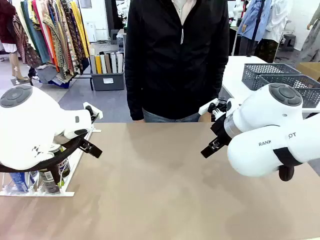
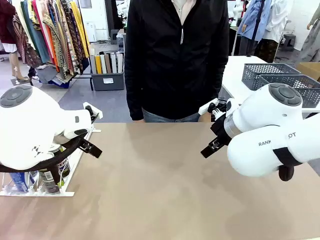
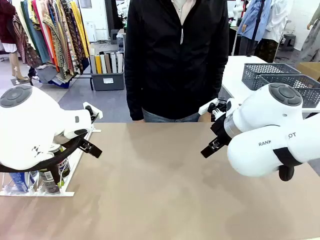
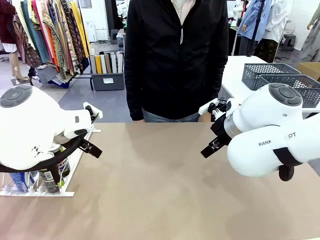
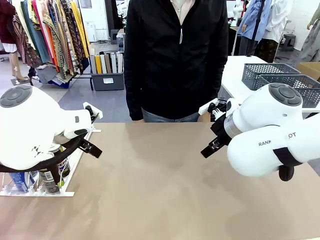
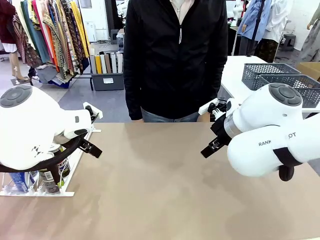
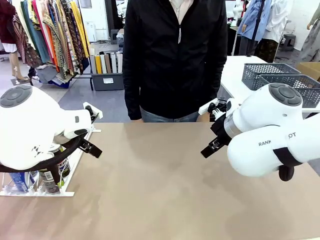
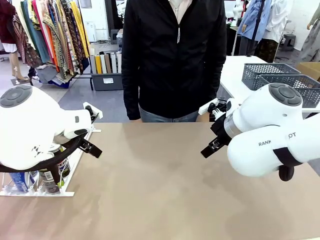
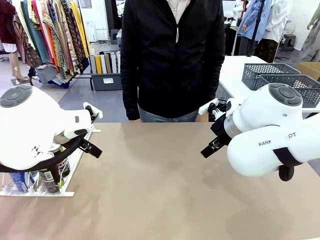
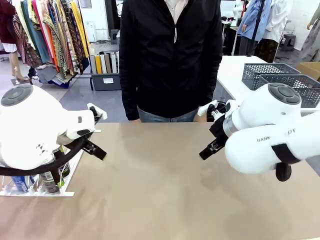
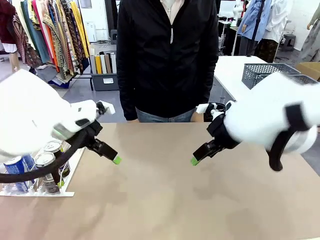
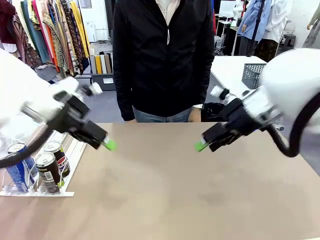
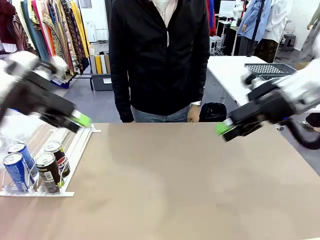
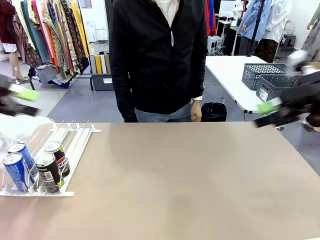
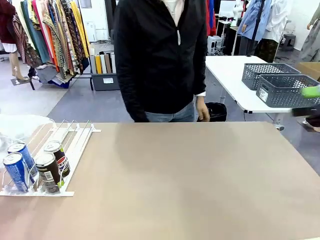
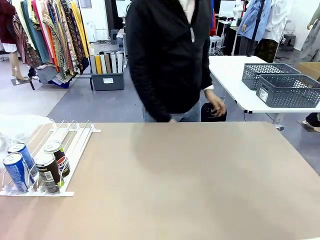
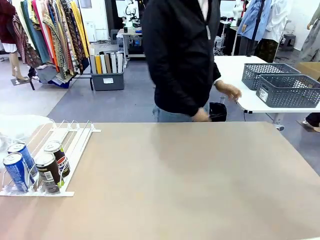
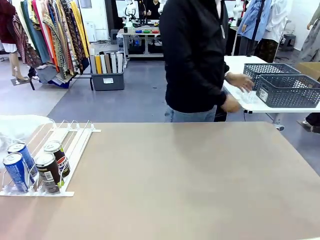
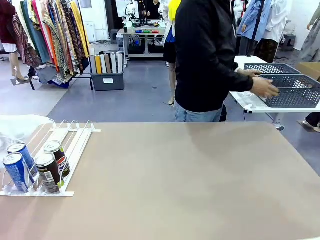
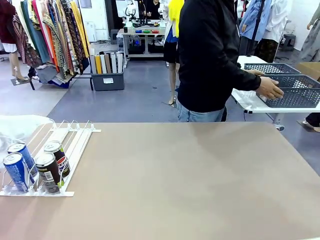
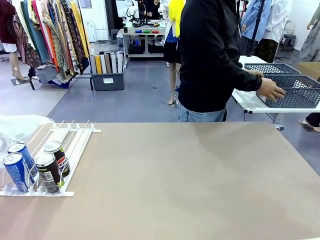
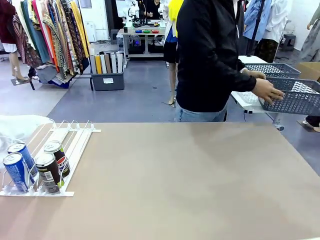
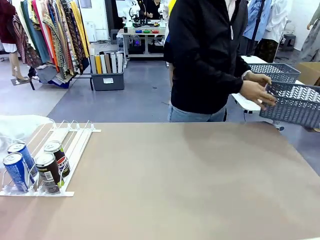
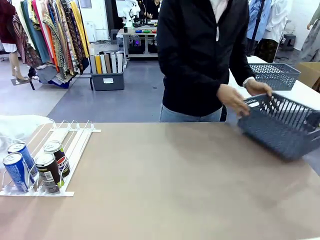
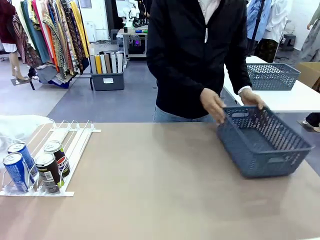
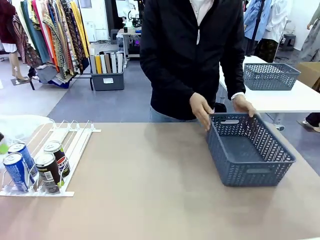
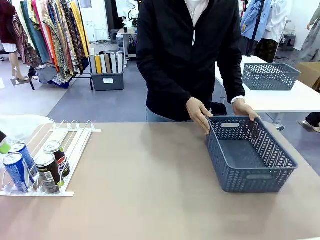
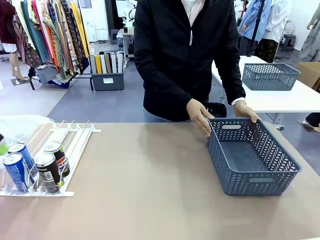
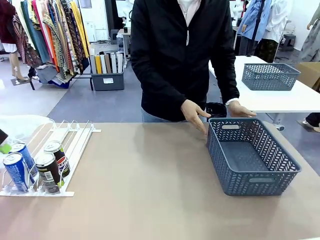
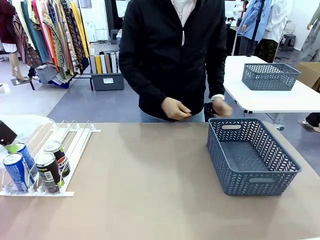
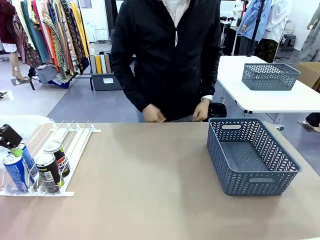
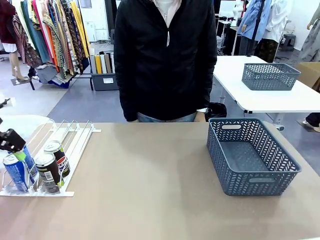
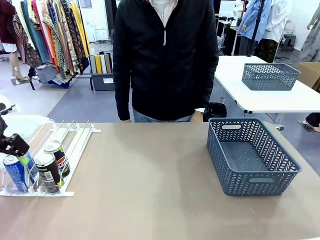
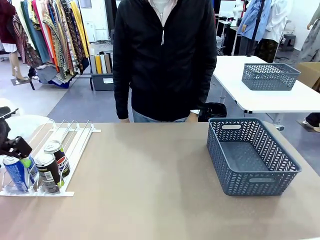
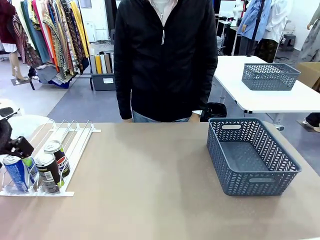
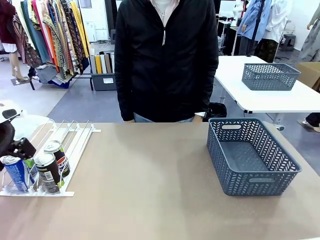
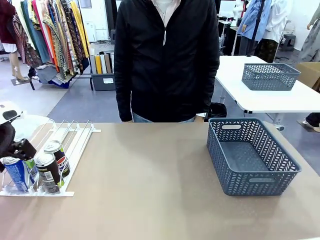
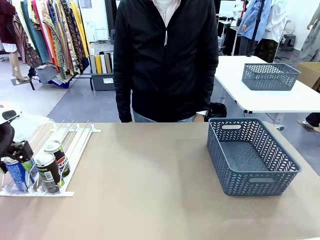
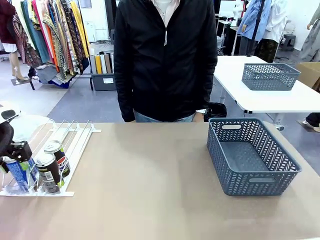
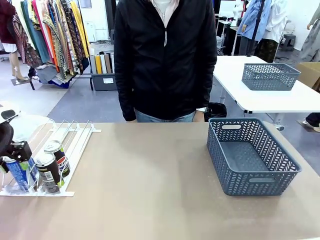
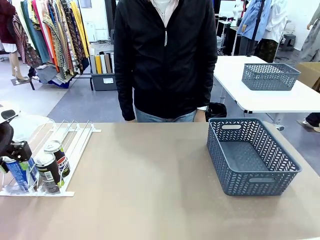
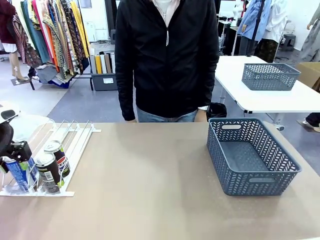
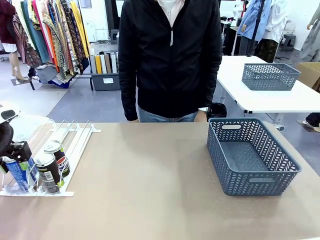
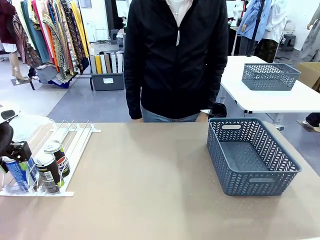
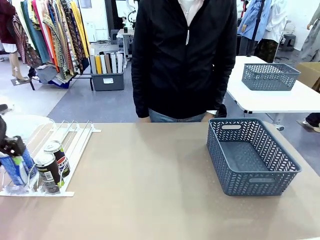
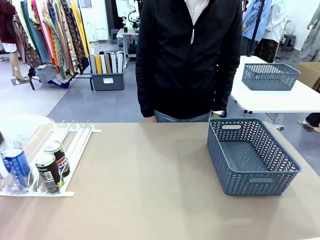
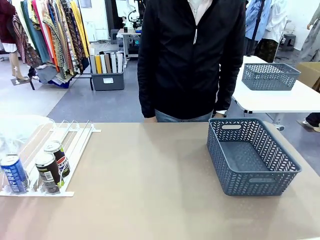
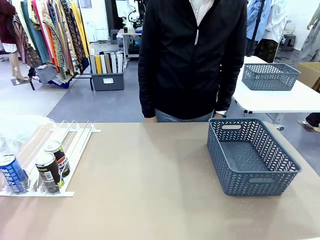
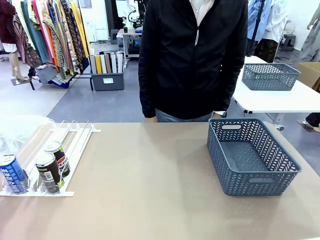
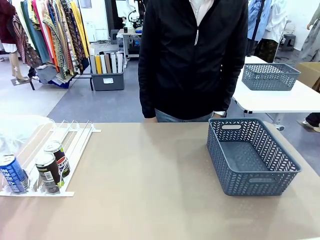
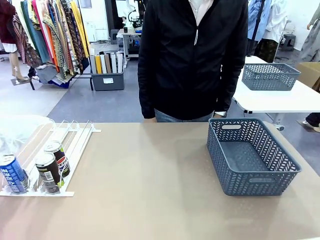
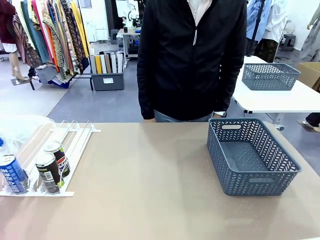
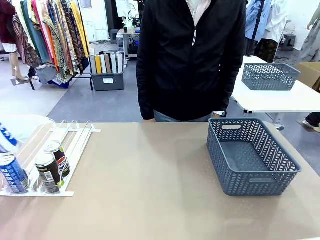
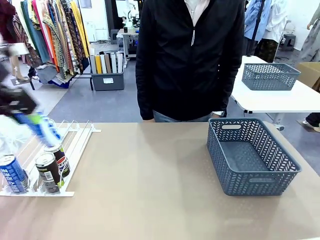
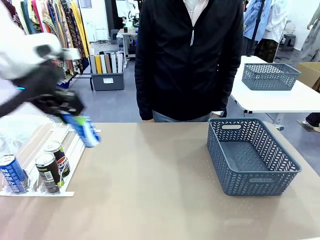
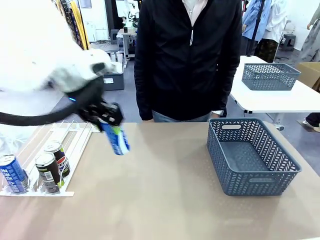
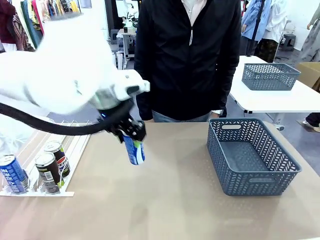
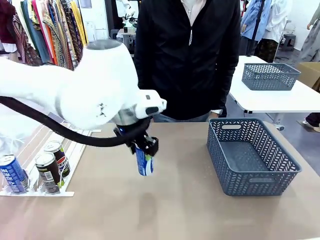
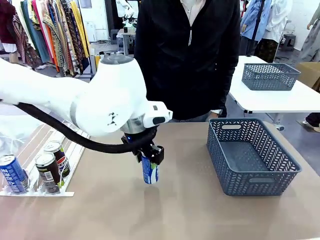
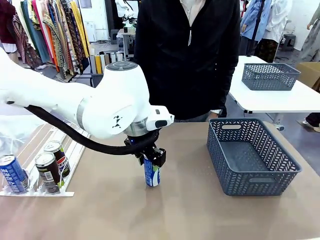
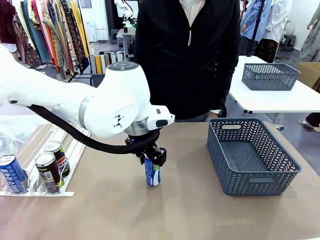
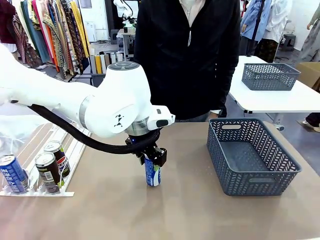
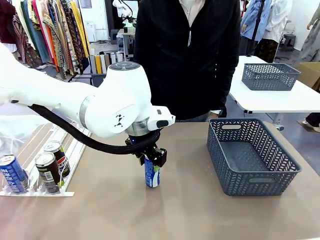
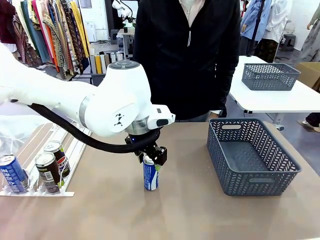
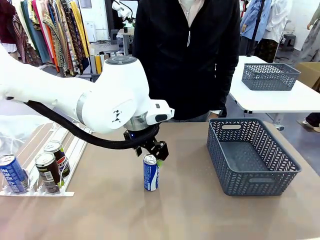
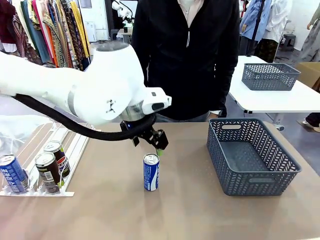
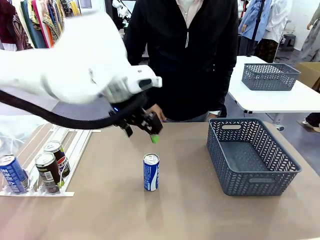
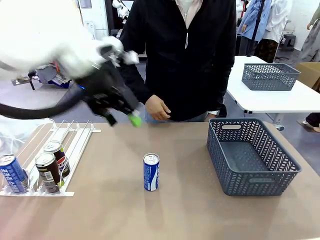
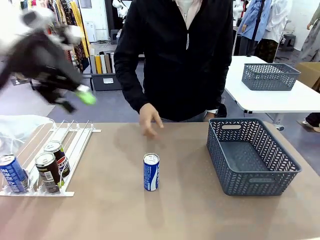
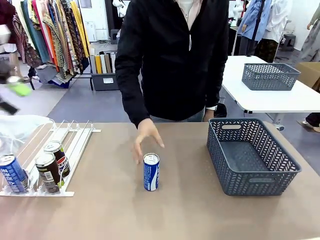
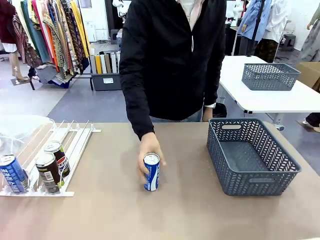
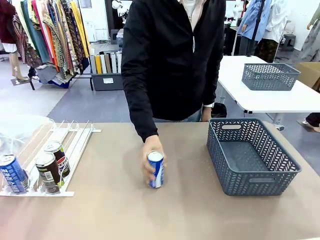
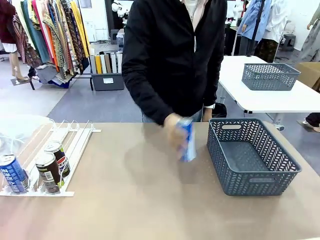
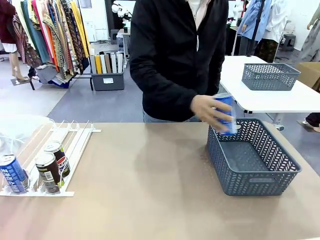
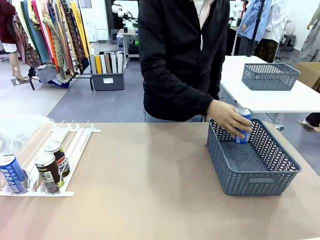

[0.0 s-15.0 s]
Task: Retrieve and store the cans from the dispenser.
Robot: Pick up one can from the Automatic Can Dispenser and place it in the middle of the table.
Person: Pick up the basket and place it on the left side of the robot table.

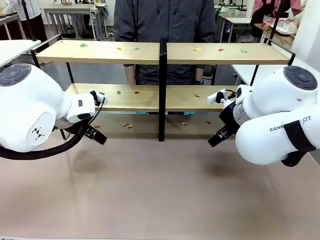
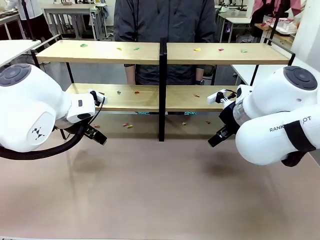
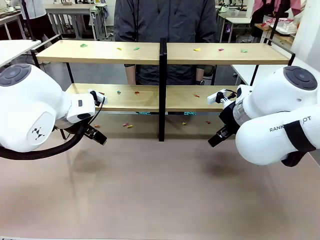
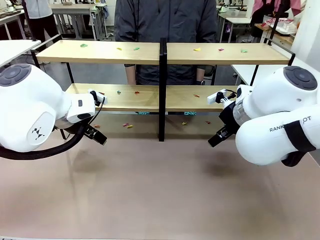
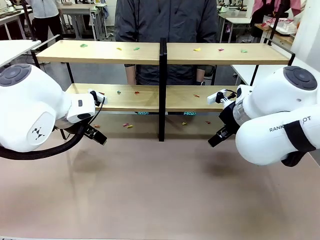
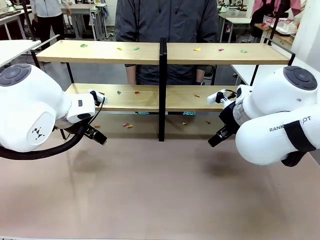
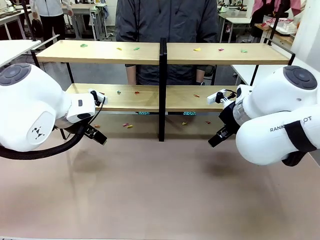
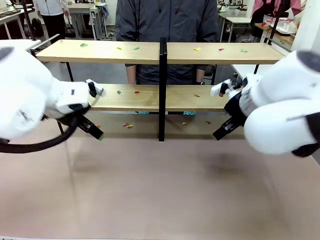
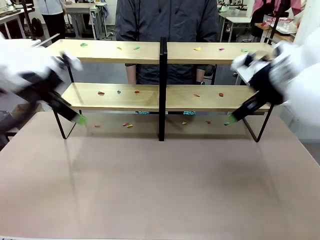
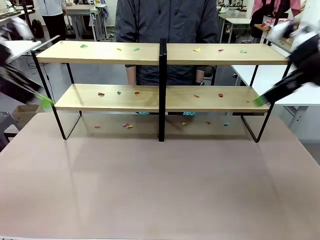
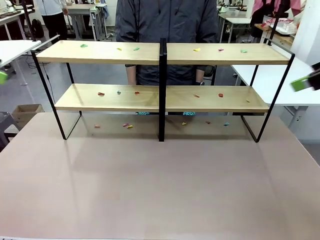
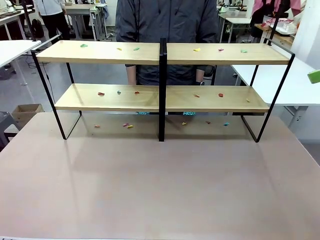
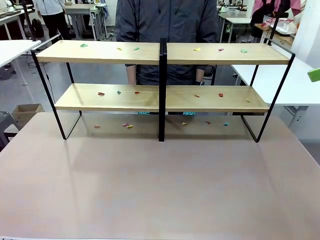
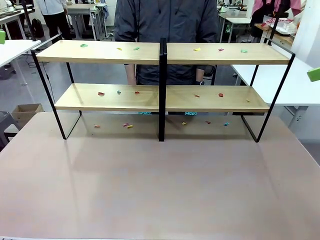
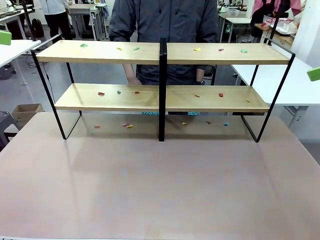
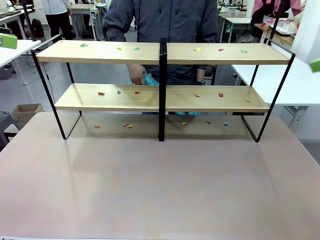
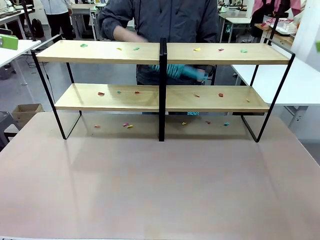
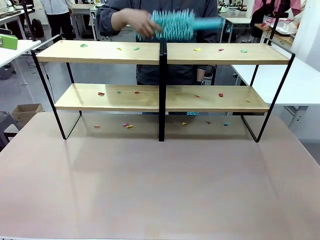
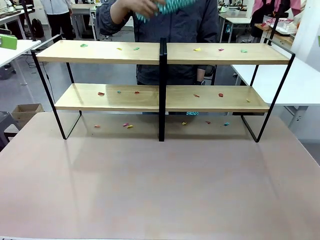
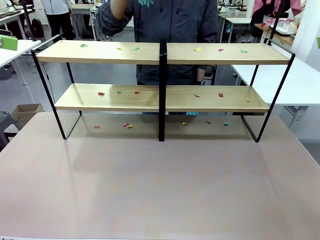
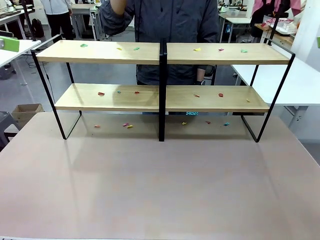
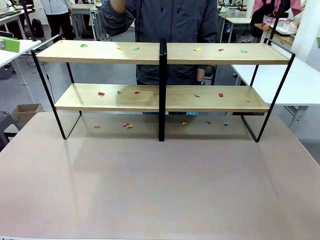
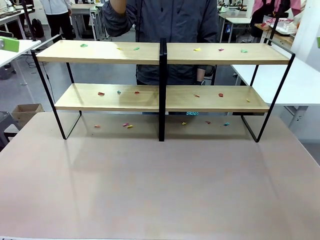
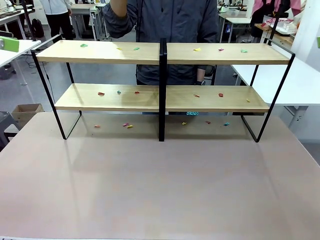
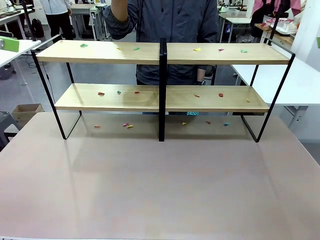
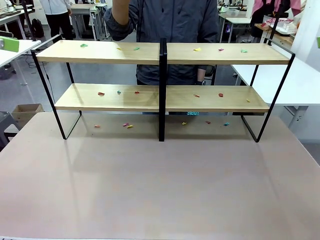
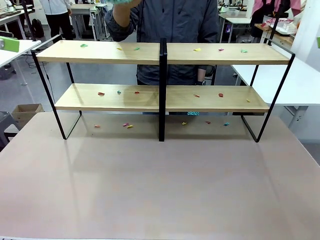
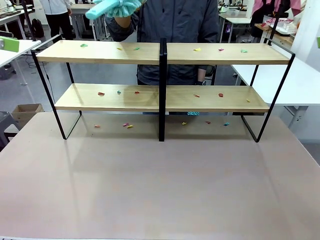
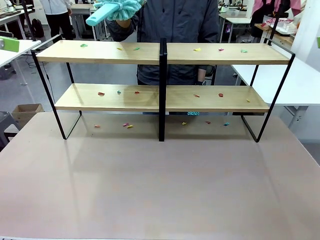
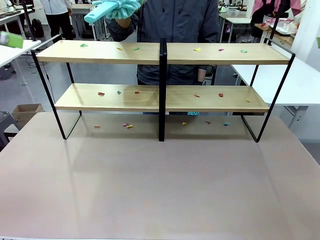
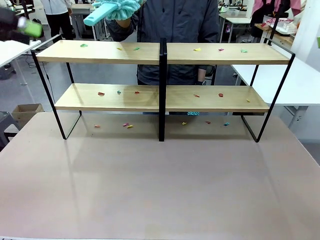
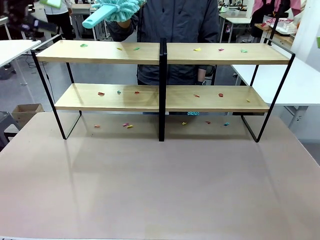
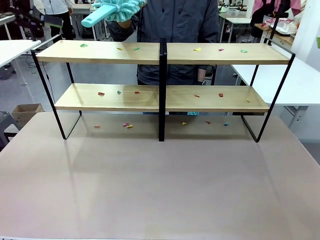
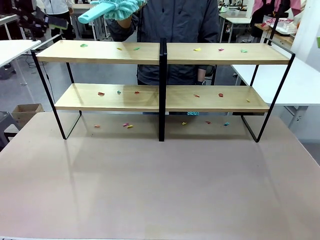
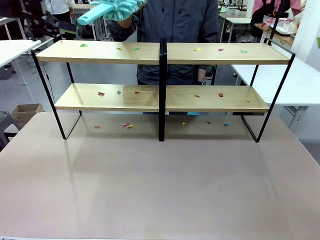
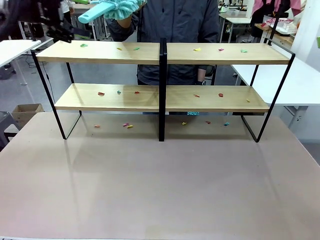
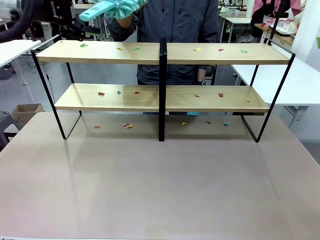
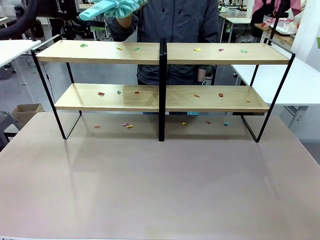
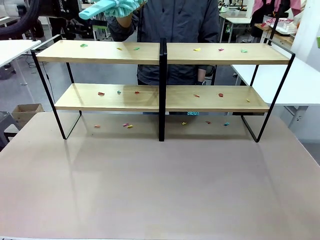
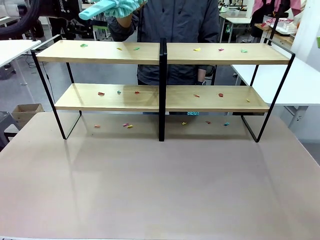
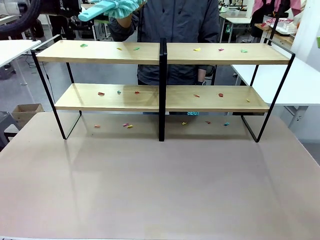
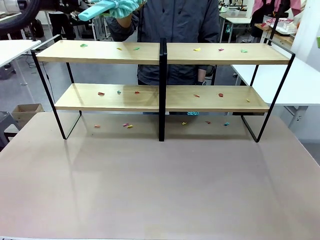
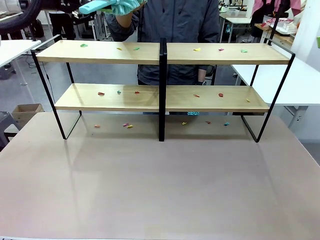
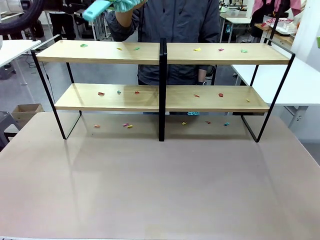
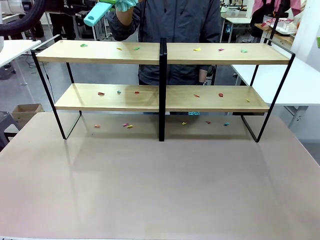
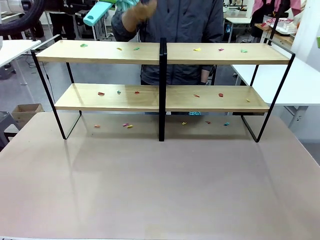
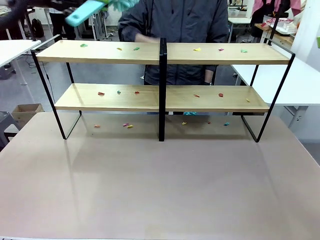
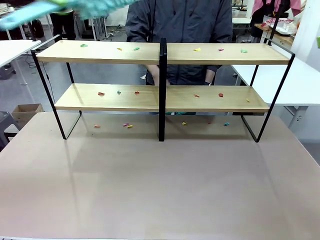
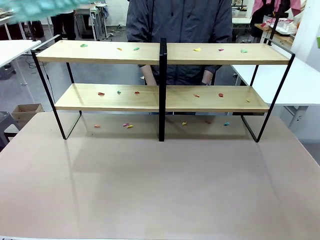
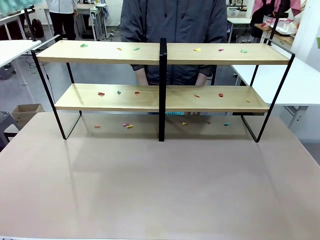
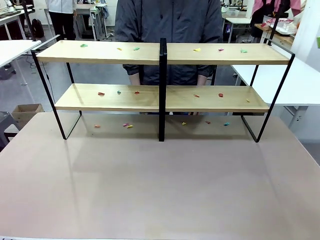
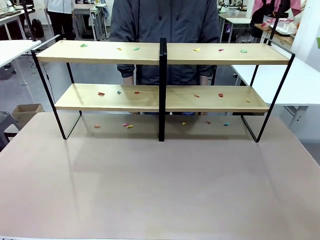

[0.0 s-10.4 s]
Task: Clean the shelves.
Robot: Pick up the Duster when the human hands it over.
Person: Hand the Duster to the robot with your right (or left) hand.
